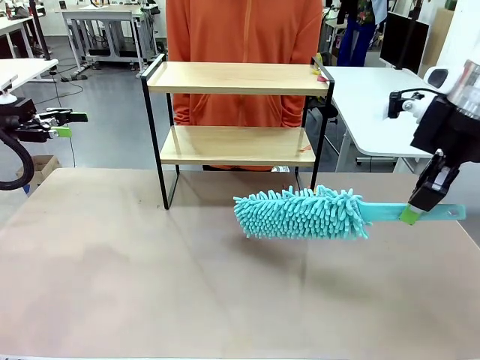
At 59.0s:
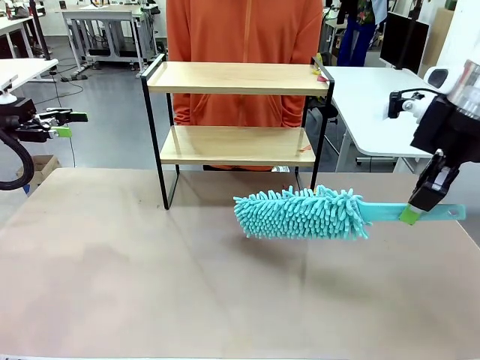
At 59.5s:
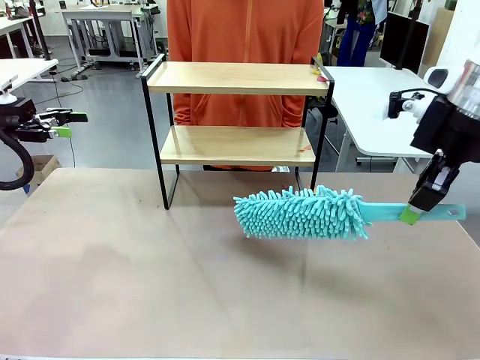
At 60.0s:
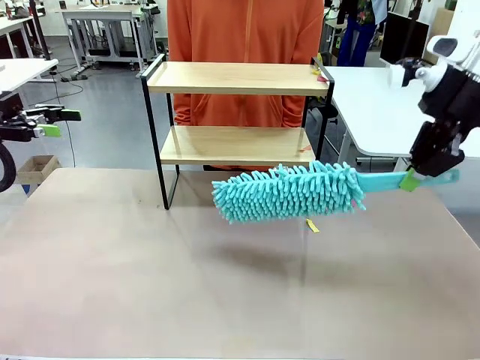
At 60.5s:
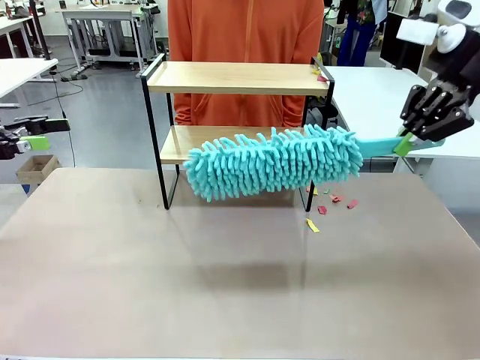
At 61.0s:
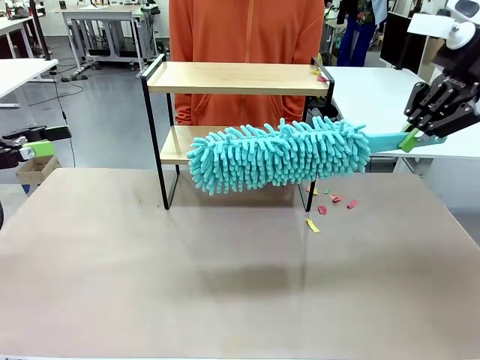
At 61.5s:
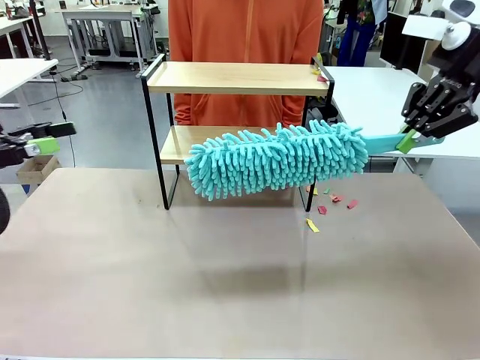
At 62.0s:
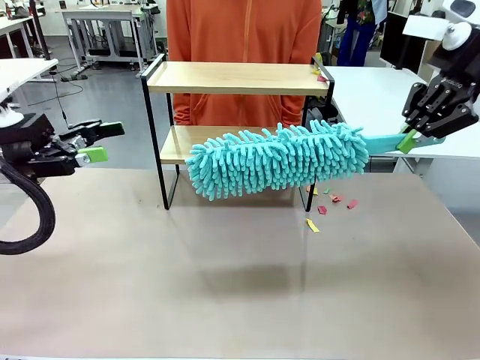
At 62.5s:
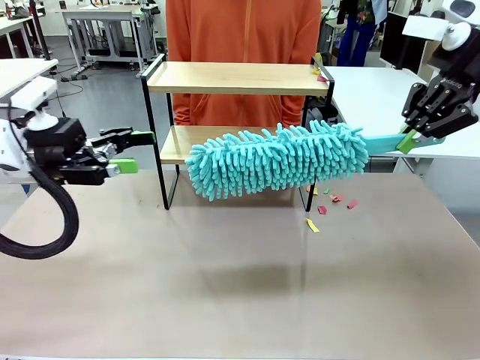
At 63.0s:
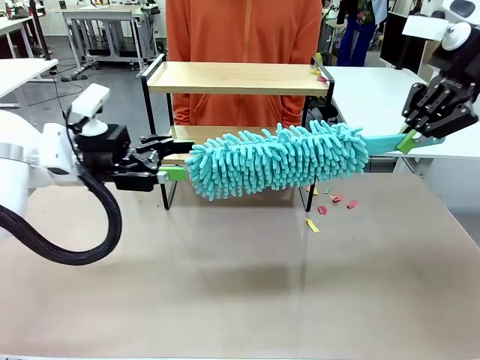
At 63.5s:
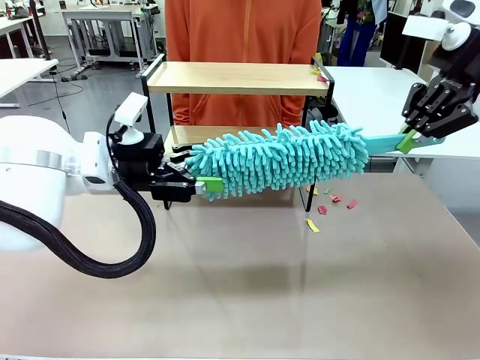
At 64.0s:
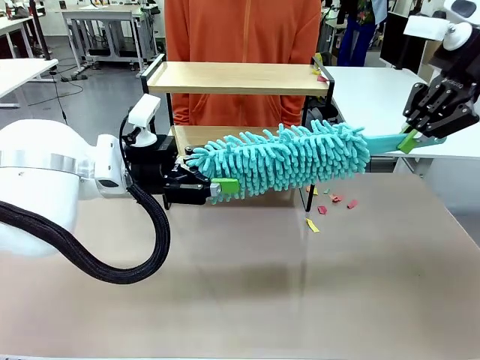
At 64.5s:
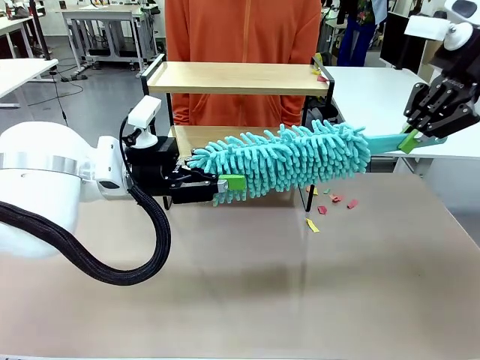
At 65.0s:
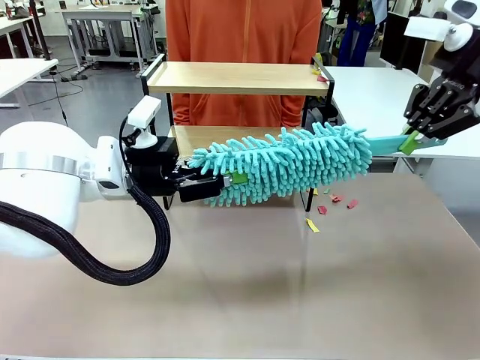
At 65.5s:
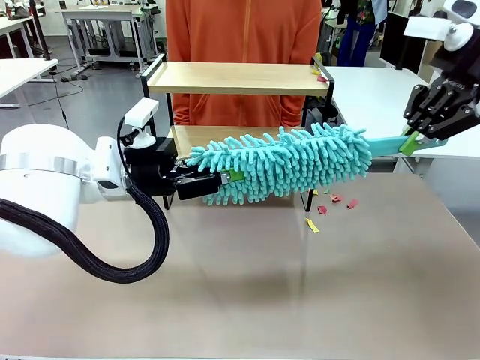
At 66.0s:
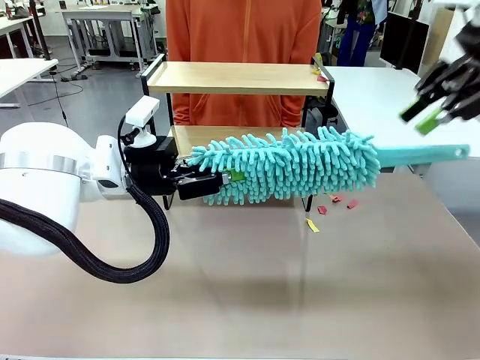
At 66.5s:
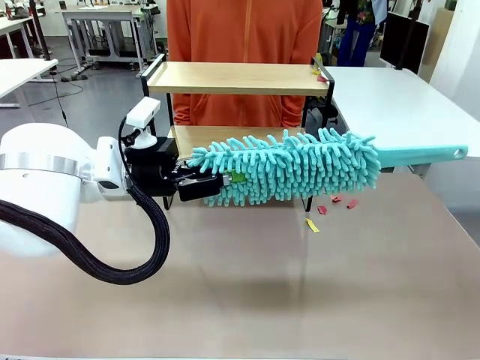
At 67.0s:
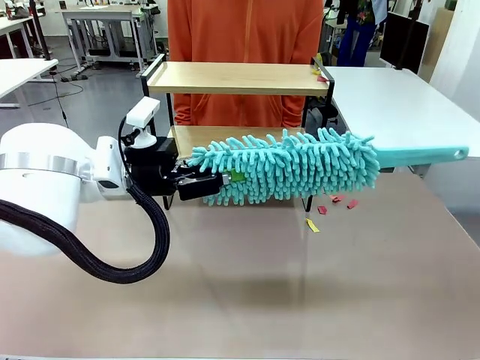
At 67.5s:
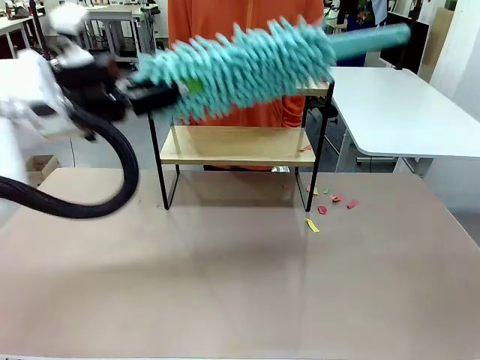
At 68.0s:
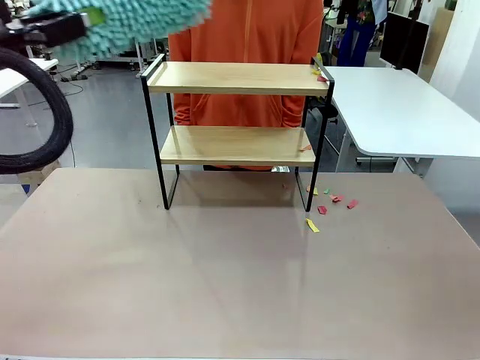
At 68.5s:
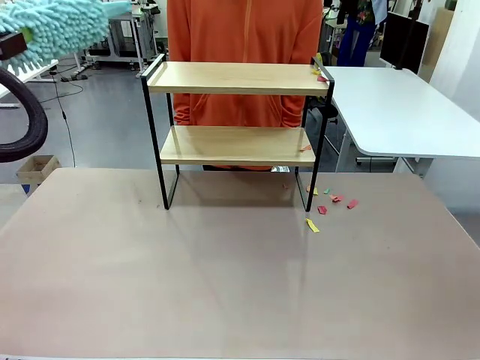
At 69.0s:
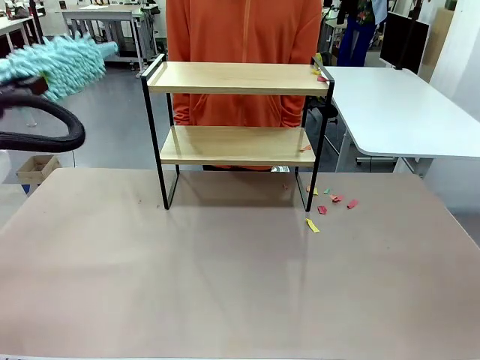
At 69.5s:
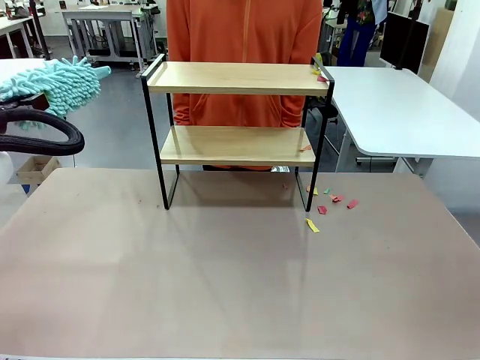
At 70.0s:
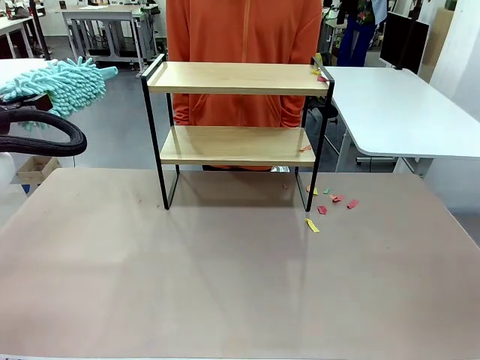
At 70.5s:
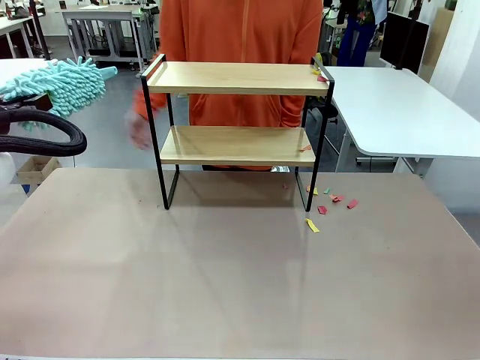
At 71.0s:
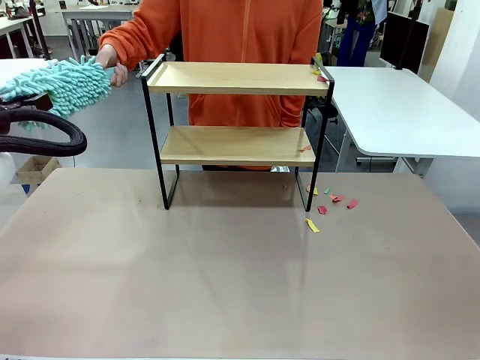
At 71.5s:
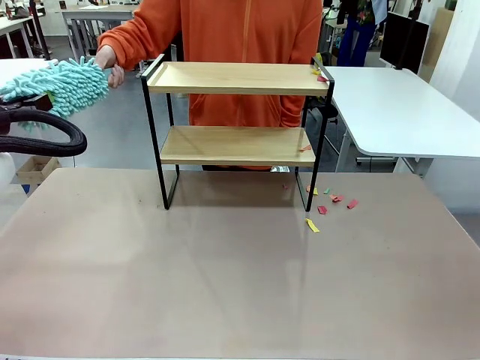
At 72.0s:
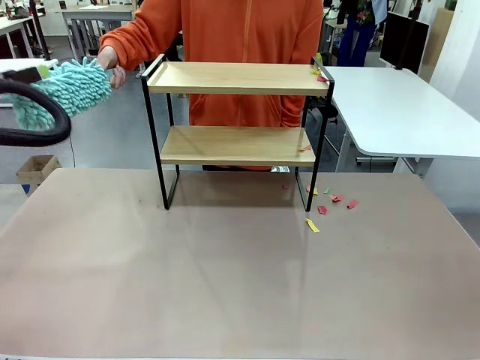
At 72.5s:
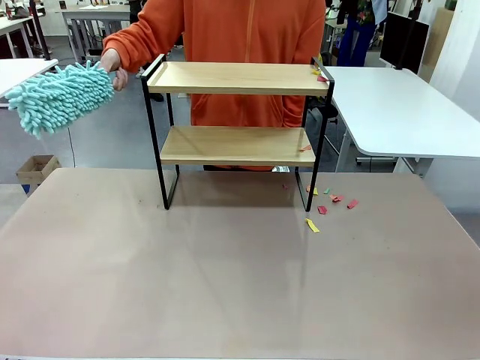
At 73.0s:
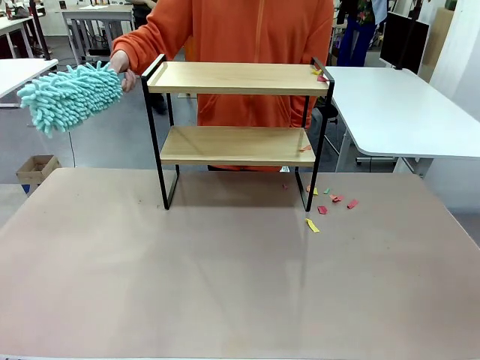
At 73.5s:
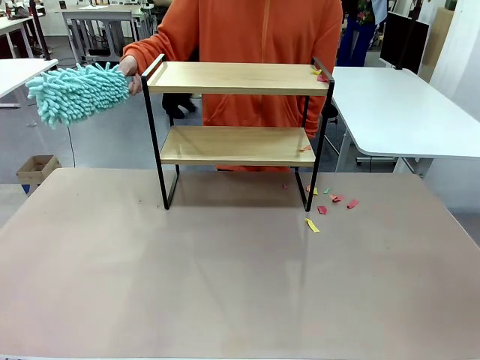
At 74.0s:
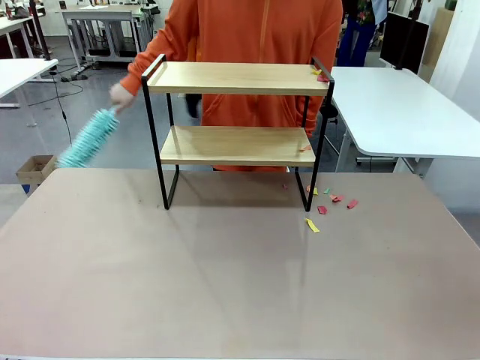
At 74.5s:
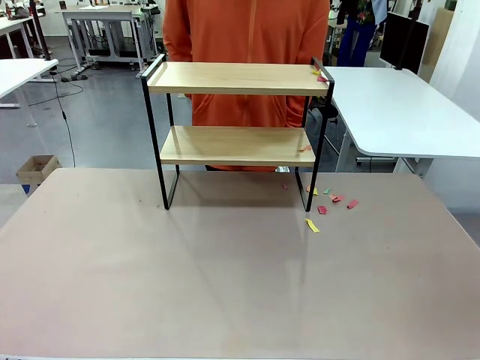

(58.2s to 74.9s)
Task: Clean the shelf.
Robot: Hand the Duster back to the human.
Person: Receive the Duster from the robot.

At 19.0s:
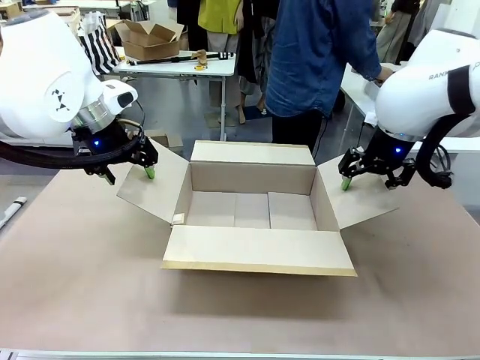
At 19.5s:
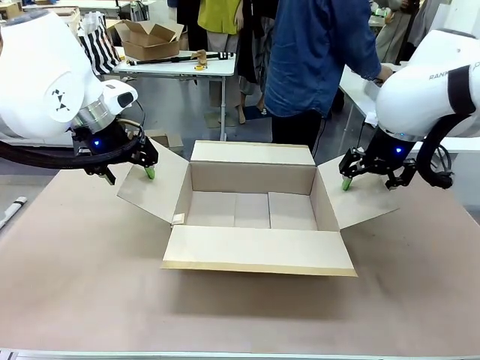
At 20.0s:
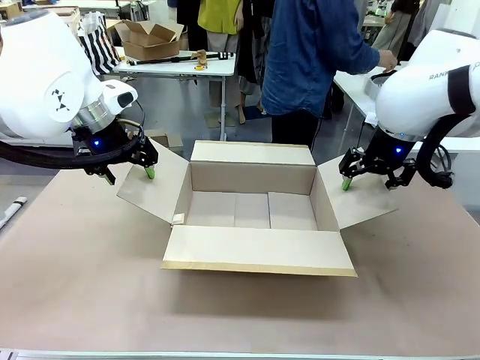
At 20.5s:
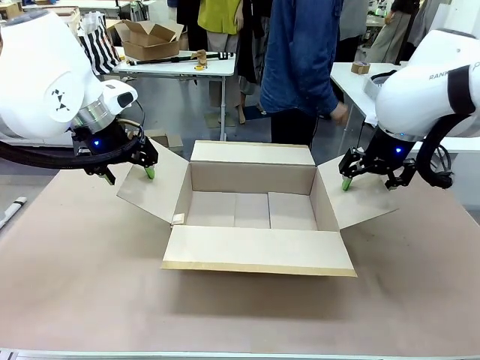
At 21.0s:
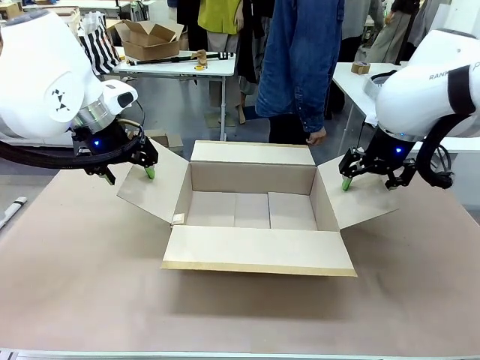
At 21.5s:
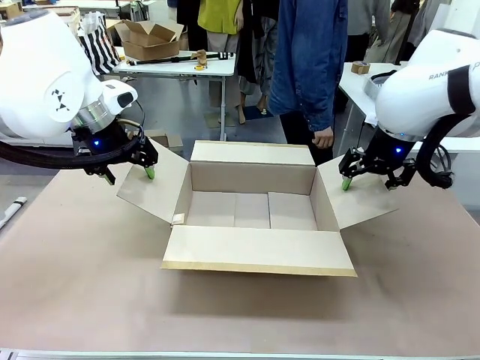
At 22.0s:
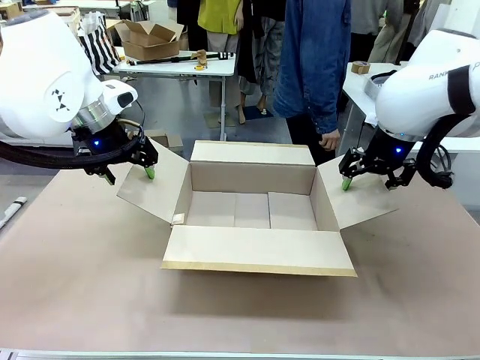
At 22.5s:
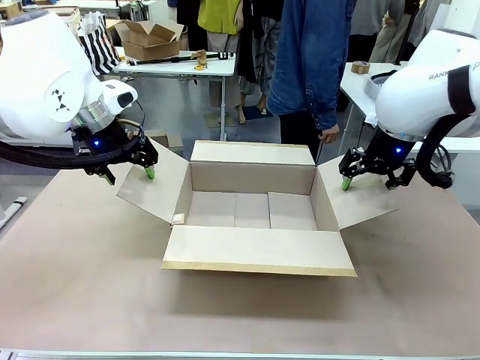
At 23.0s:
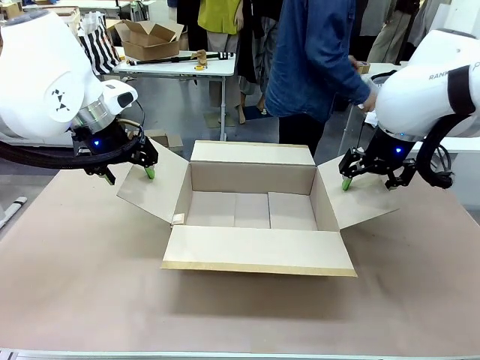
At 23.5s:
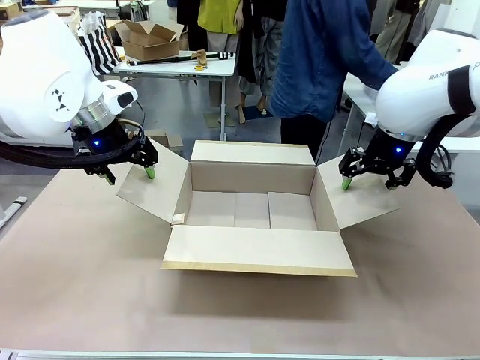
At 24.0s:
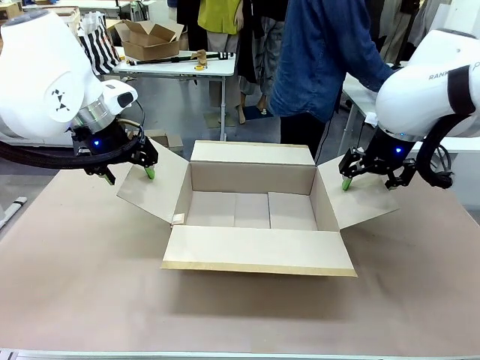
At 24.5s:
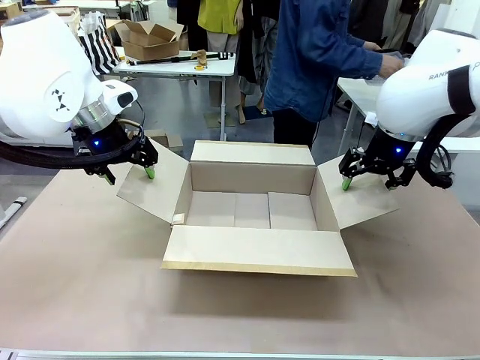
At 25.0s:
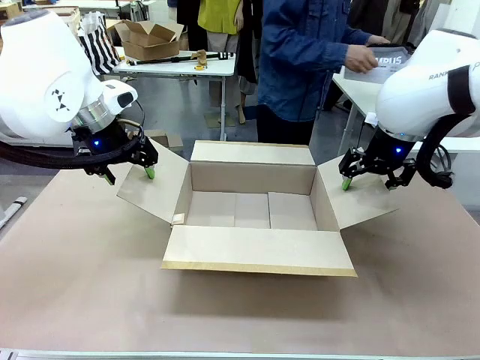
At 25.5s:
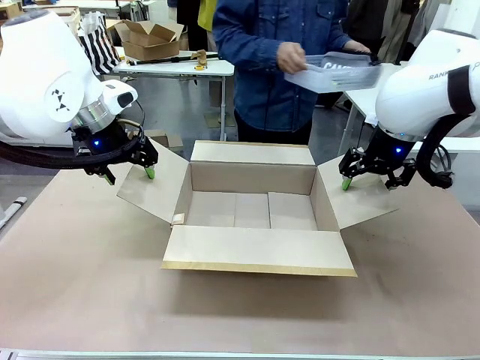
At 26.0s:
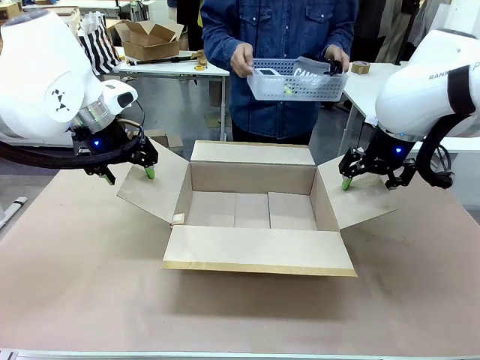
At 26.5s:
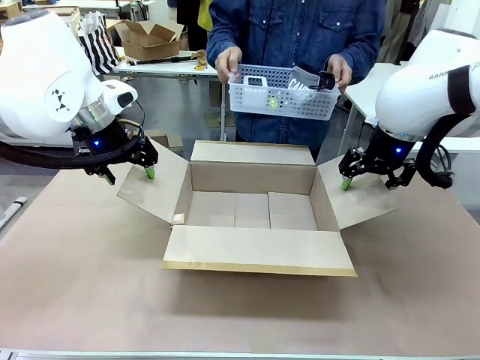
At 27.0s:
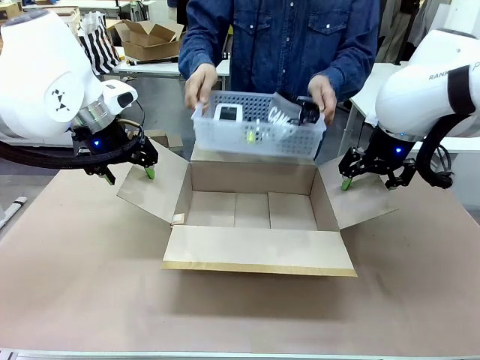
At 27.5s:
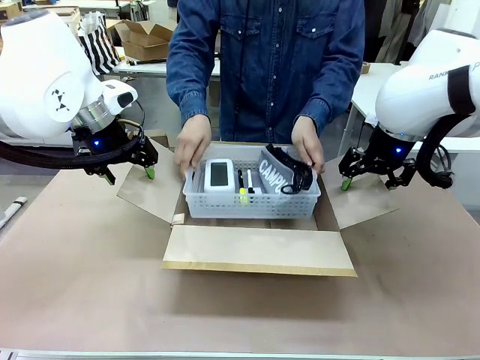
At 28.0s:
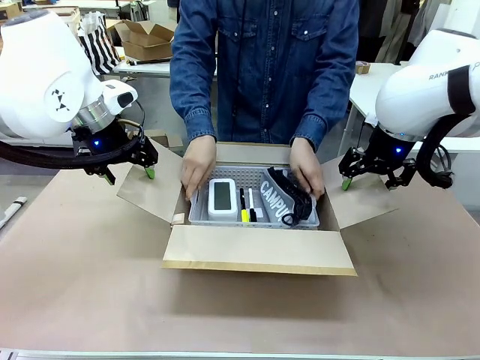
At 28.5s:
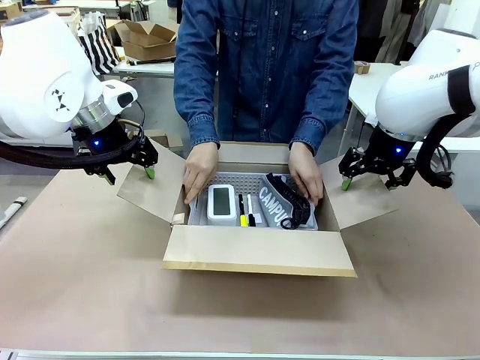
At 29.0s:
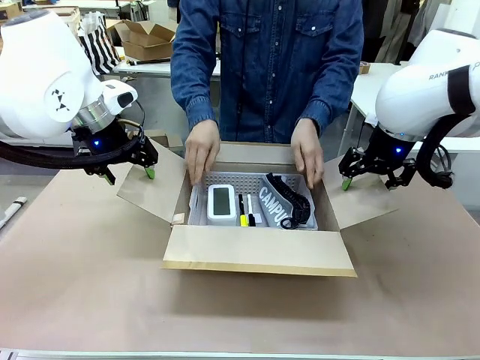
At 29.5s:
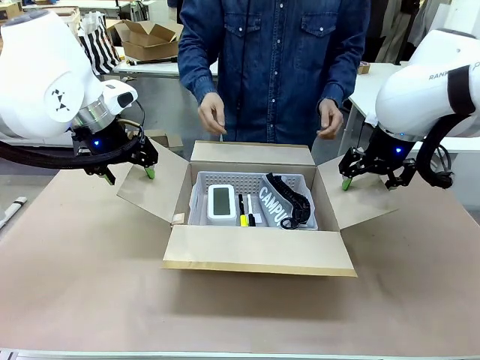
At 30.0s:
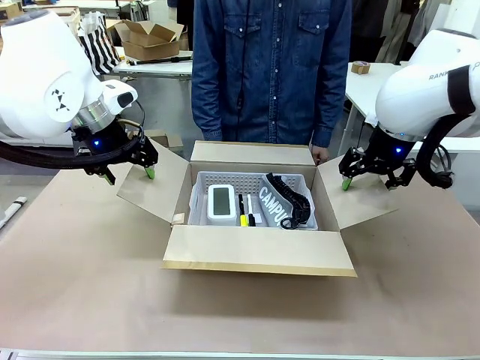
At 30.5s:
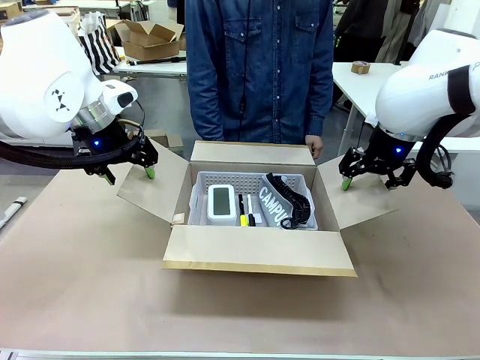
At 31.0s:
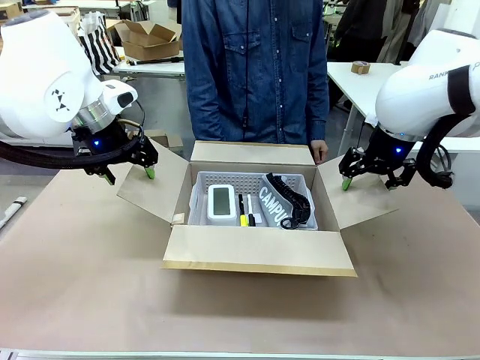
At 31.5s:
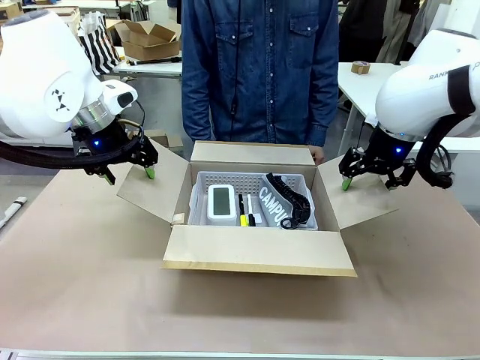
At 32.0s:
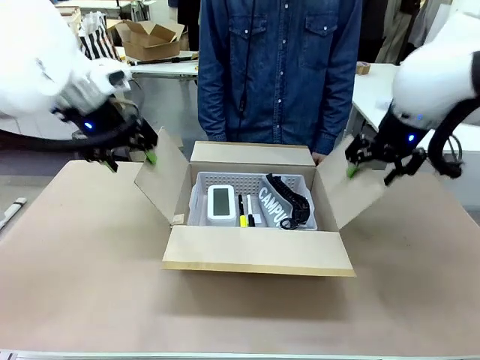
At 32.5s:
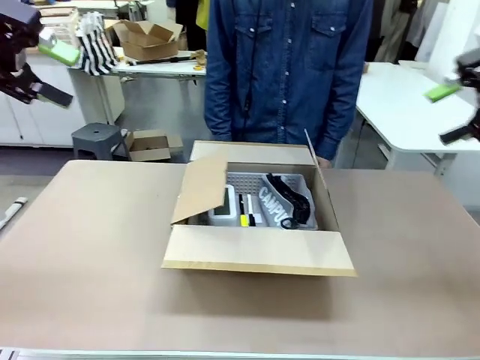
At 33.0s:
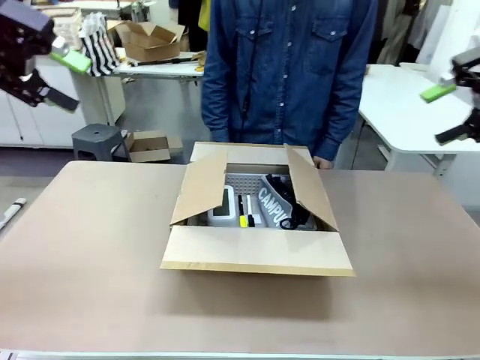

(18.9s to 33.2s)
Task: Pack the gift set into the box.
Robot: Lift both hands away from the flaps of the Package Box.
Person: The human picks up the organizing basket and places the organizing basket into the package box on the robot table.
